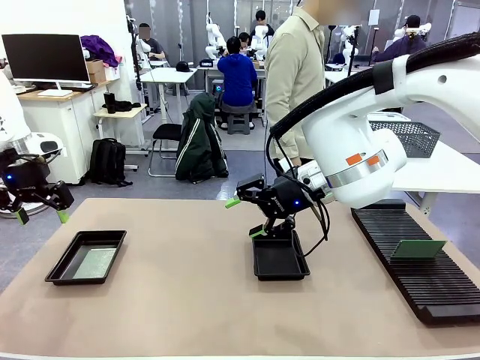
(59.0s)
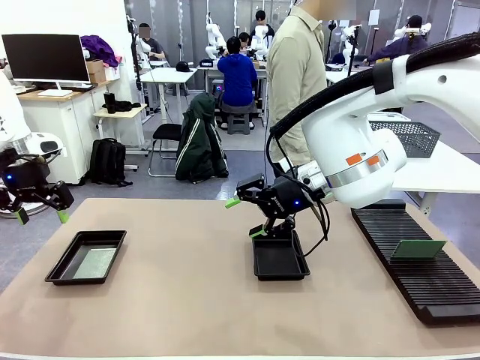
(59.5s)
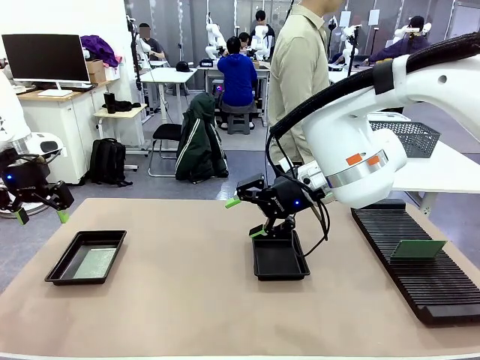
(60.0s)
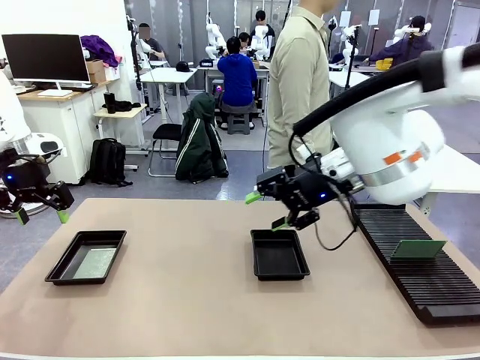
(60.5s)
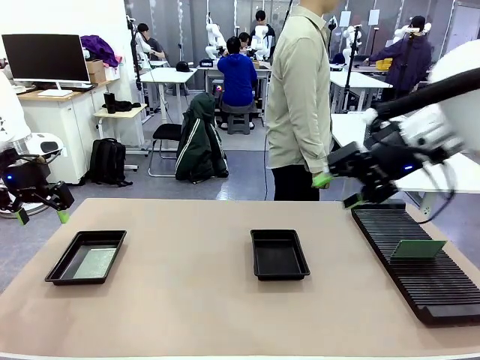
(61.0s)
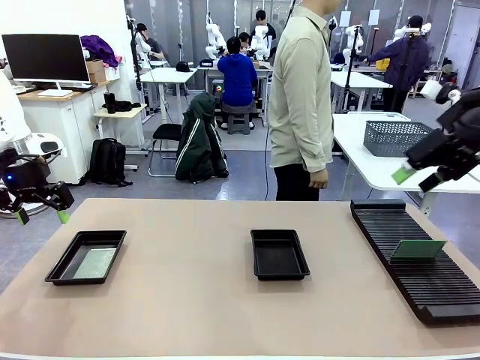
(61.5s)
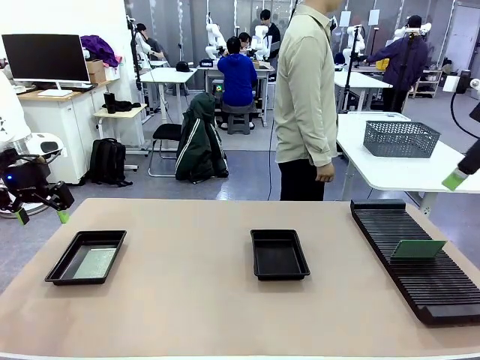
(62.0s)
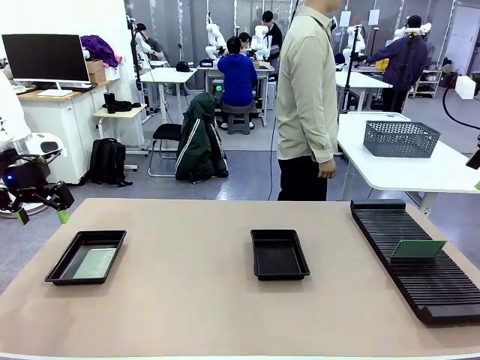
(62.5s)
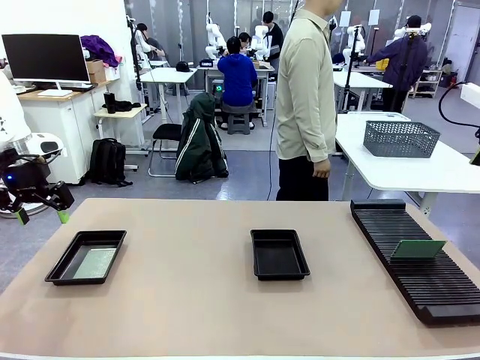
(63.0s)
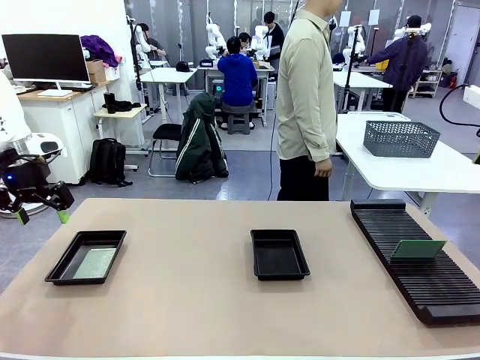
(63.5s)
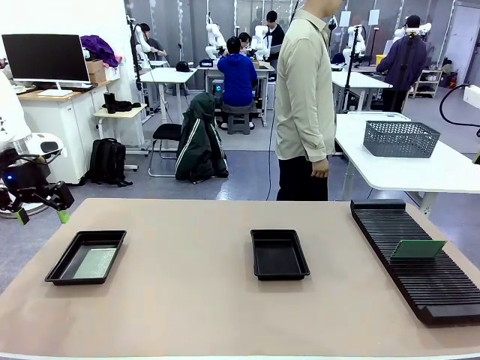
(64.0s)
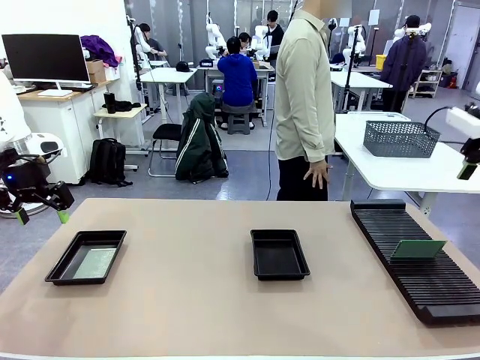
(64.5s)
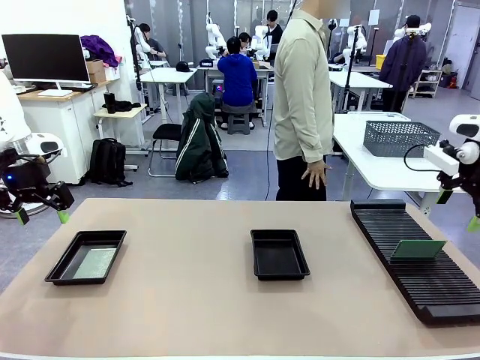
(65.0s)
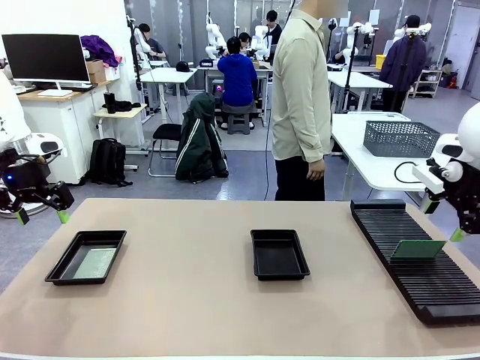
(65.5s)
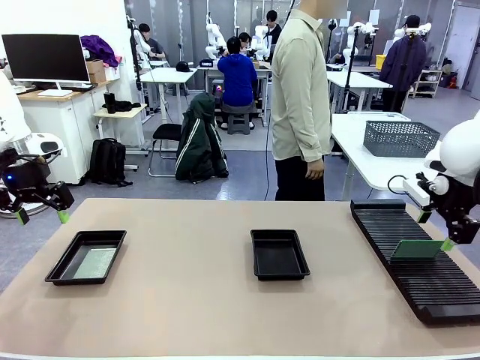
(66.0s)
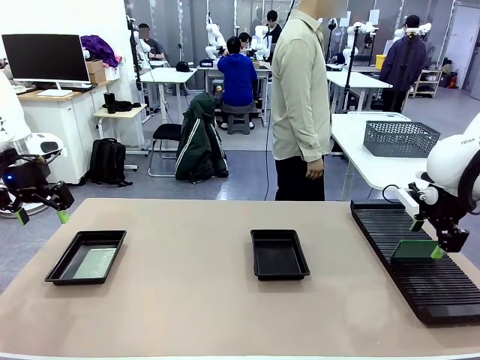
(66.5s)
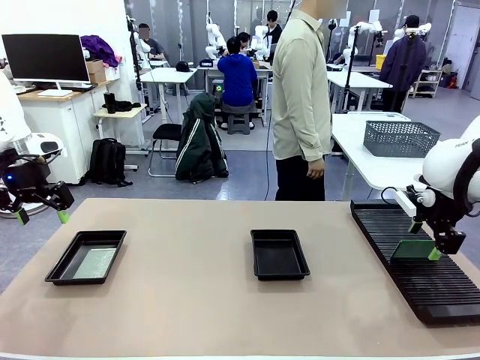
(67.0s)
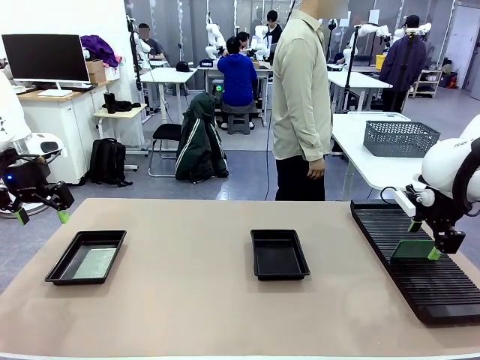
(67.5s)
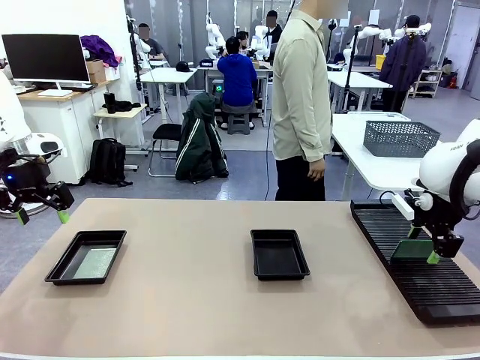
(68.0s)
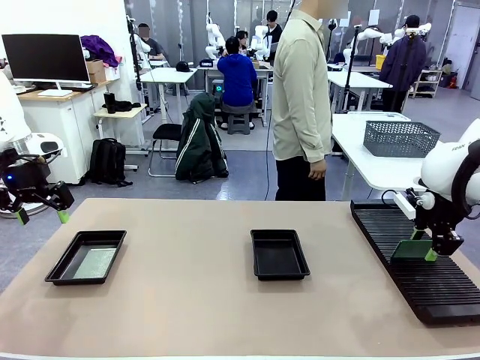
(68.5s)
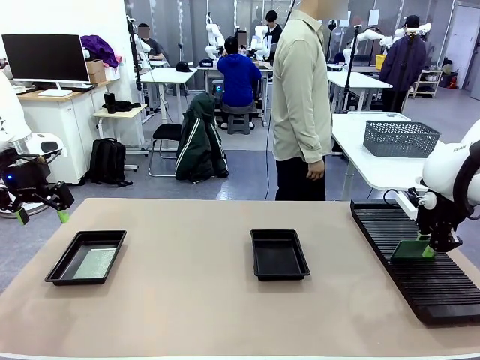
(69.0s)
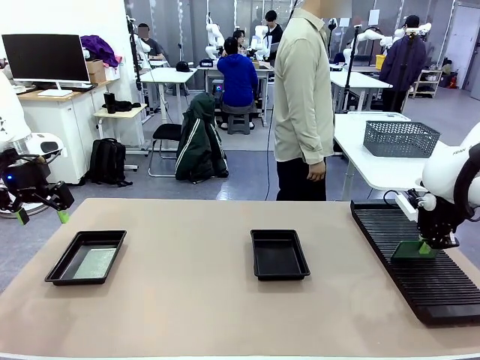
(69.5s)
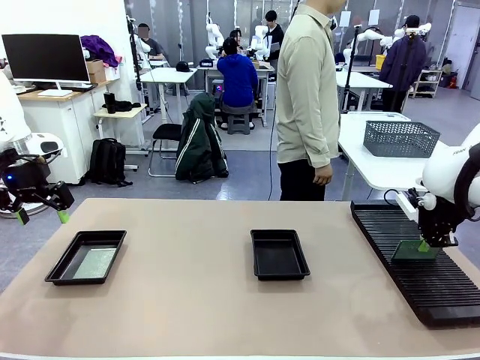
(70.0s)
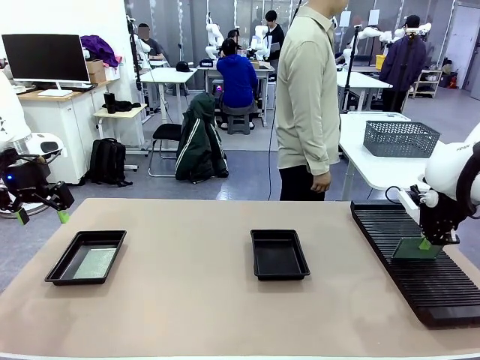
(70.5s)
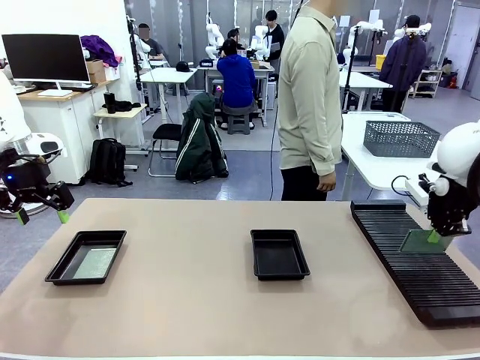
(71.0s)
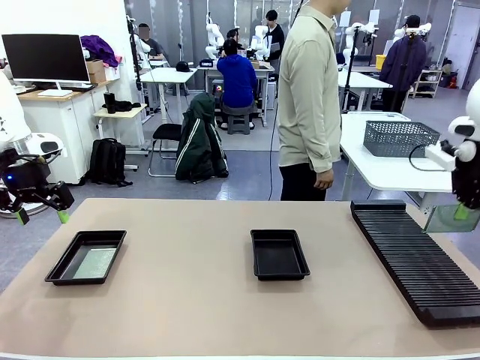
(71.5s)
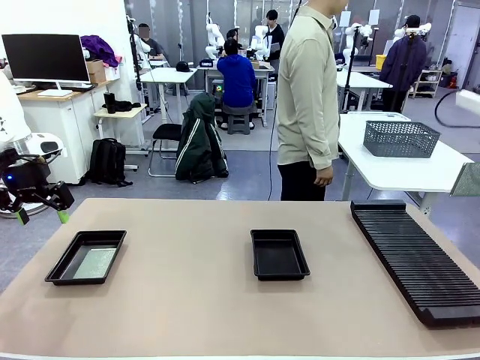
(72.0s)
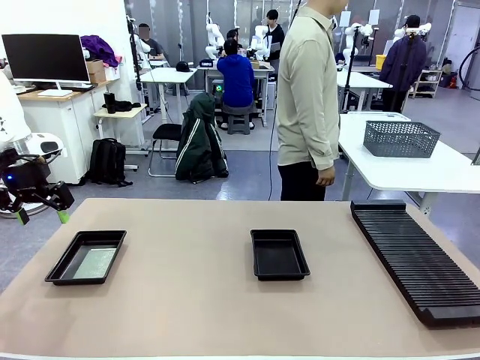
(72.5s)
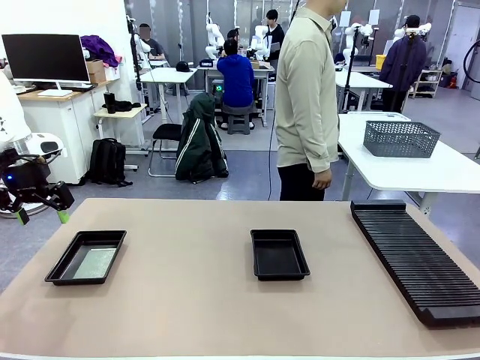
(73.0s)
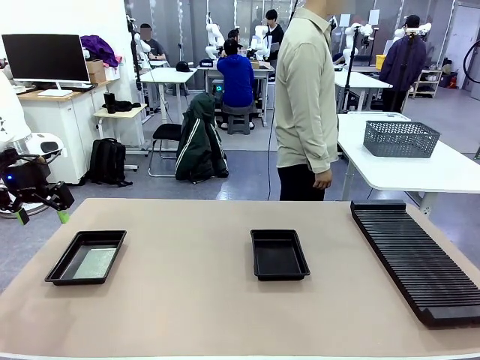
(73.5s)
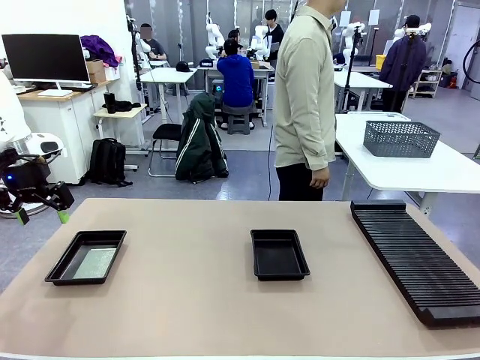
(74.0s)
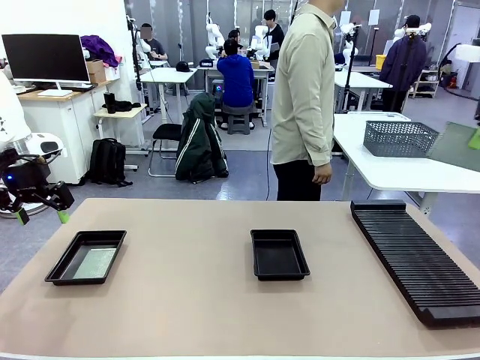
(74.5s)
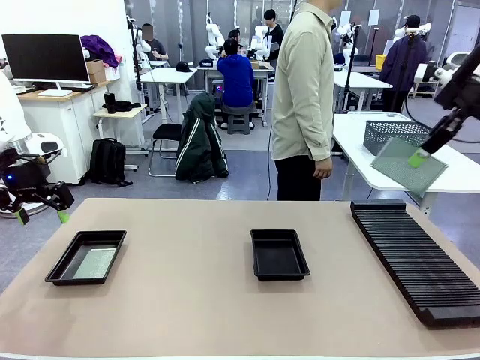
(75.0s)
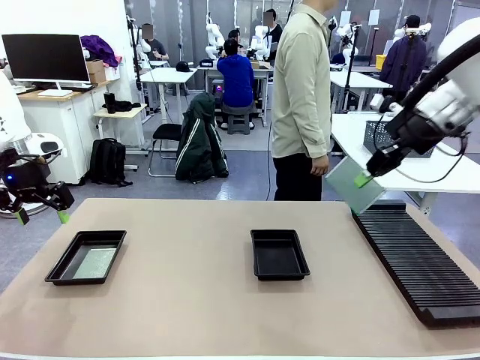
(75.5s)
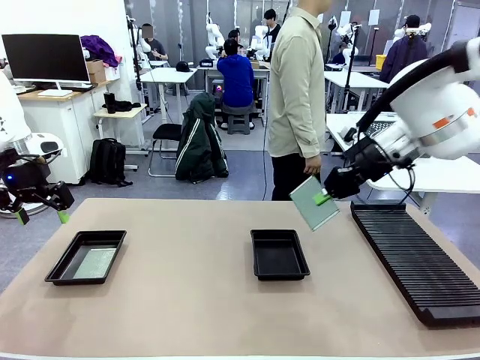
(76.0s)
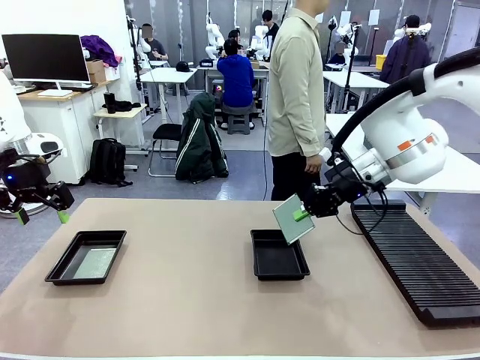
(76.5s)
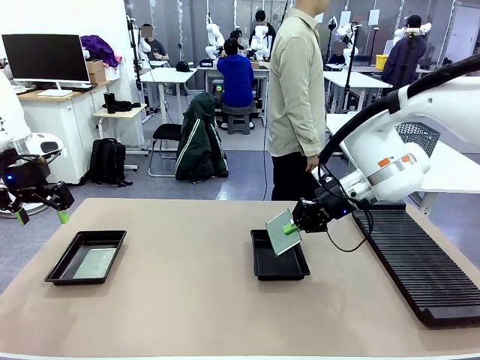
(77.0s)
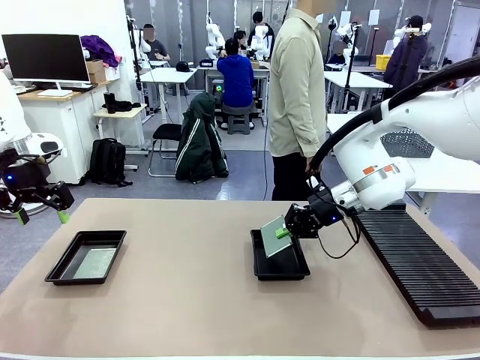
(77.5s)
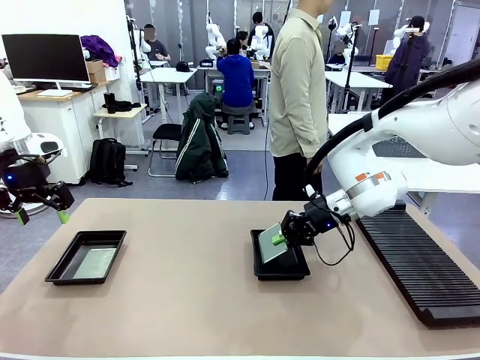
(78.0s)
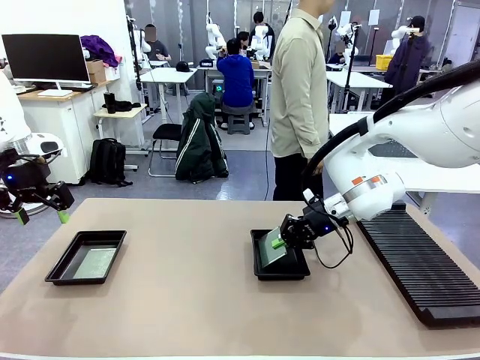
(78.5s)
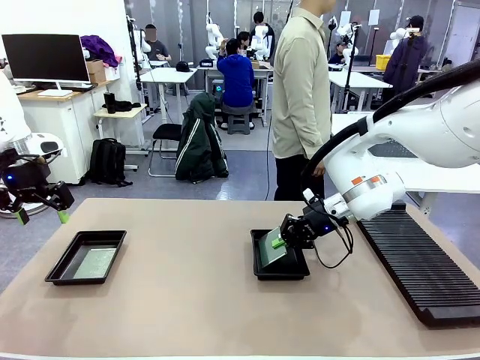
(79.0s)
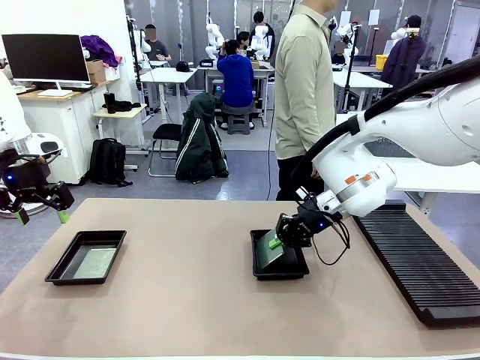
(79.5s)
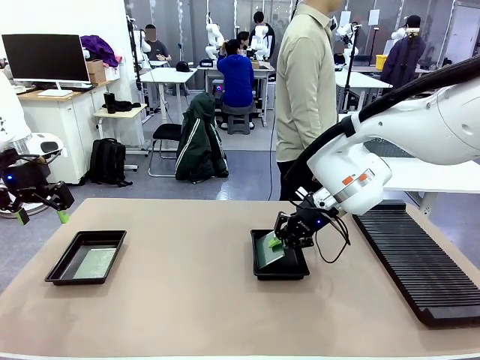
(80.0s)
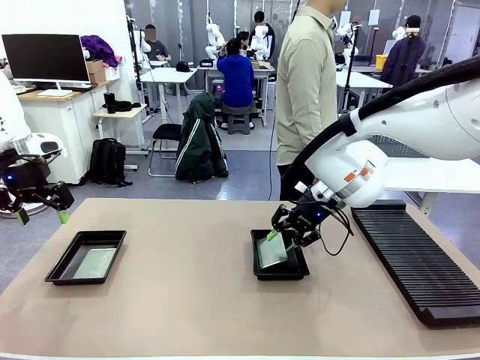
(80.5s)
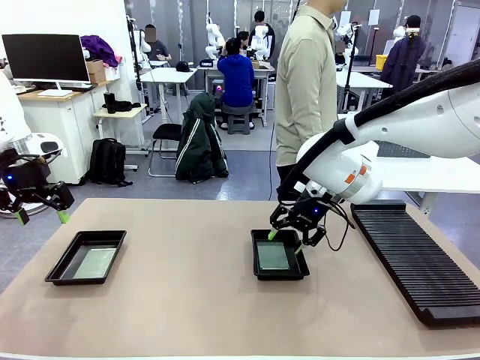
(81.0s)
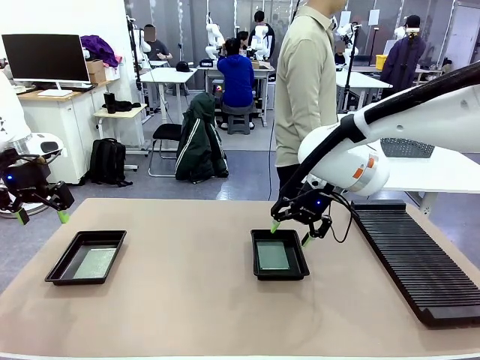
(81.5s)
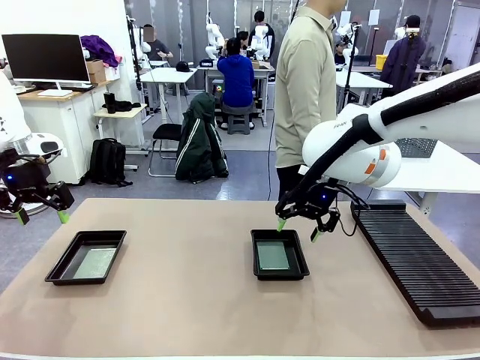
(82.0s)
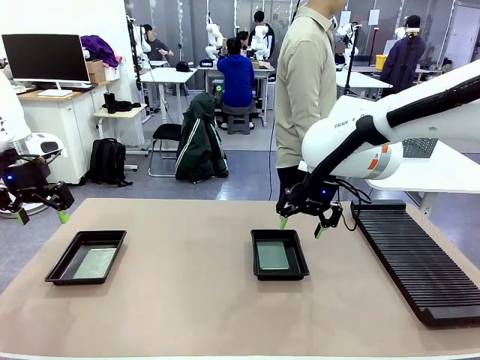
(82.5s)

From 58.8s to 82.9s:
Task: Inspect and transfer BCBs to ESD trays.
Robot: Pick up the Blank PCB from the PCB Rack and place it in the right ESD tray.

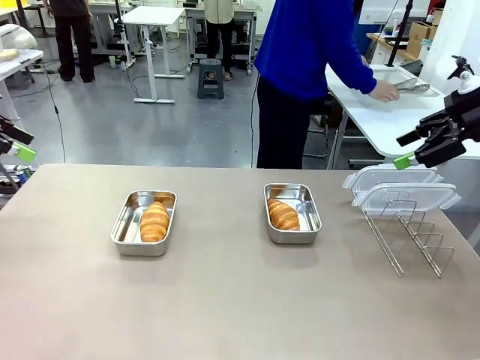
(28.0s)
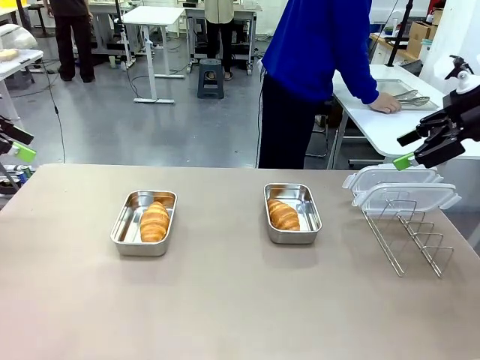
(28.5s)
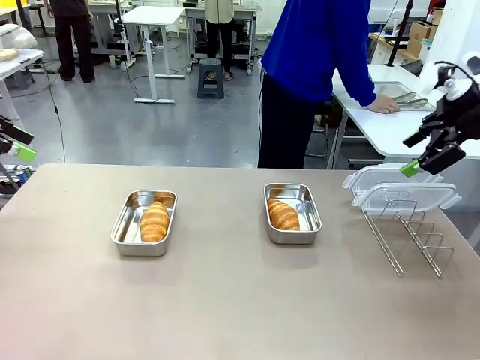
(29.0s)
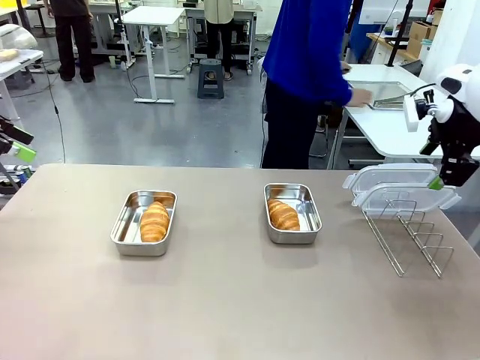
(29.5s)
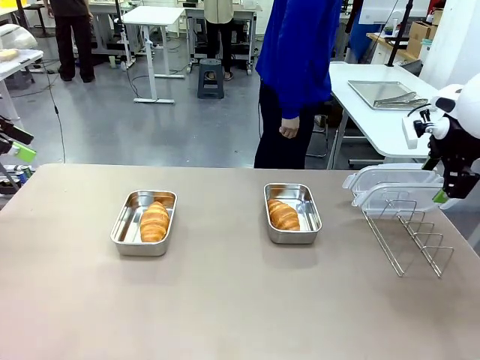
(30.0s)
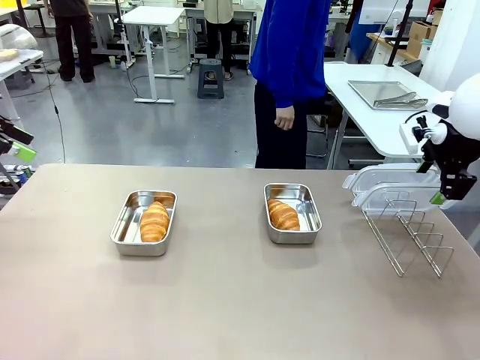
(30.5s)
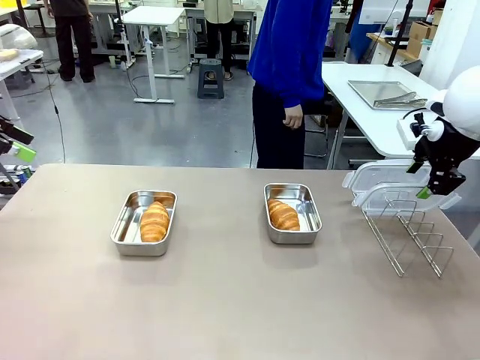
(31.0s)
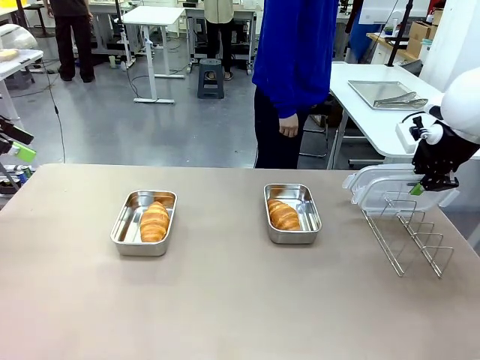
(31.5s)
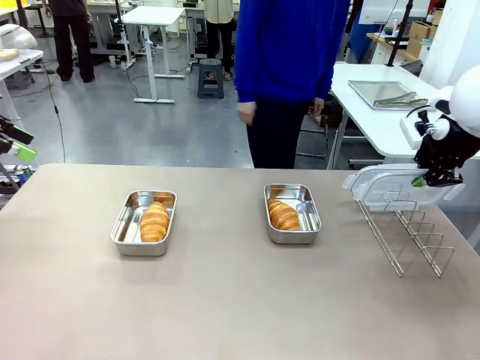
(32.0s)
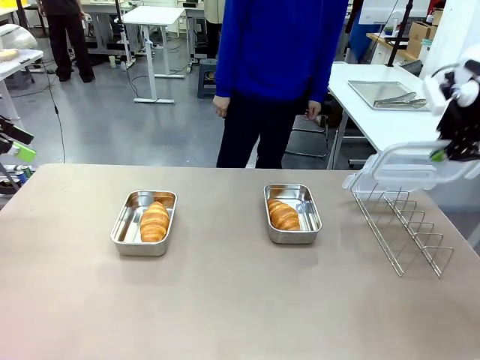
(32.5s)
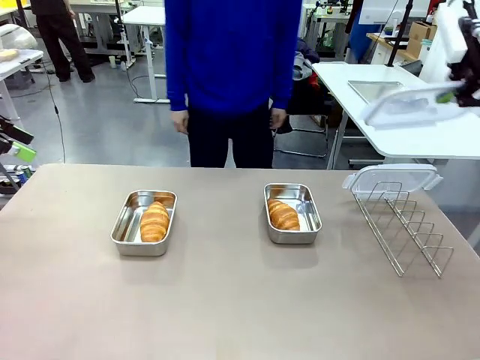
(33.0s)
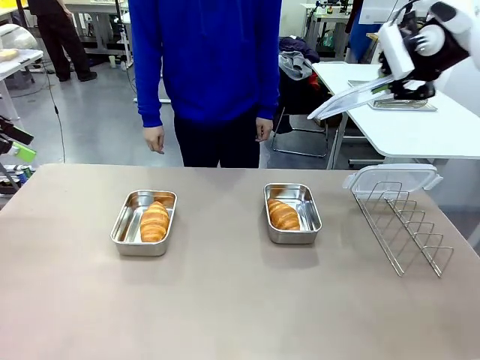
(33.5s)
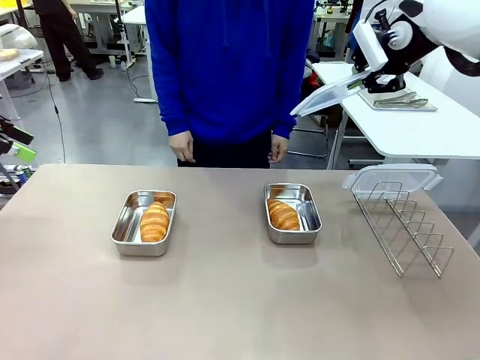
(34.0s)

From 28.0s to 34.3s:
Task: Place the bread in airtight containers.
Robot: Pick up one Airtight Container lid and hand it to the human.
Person: Grip Airtight Container lid that robot is handing.
